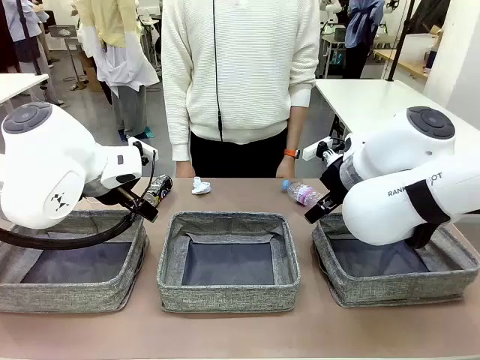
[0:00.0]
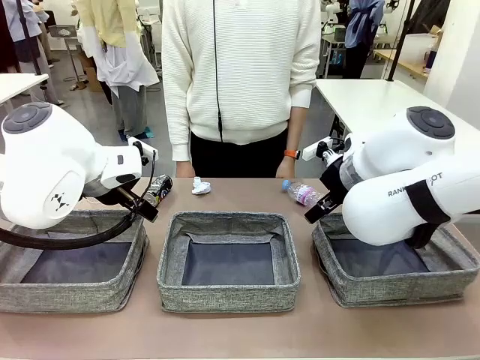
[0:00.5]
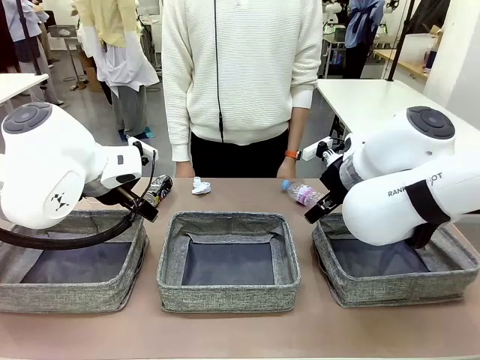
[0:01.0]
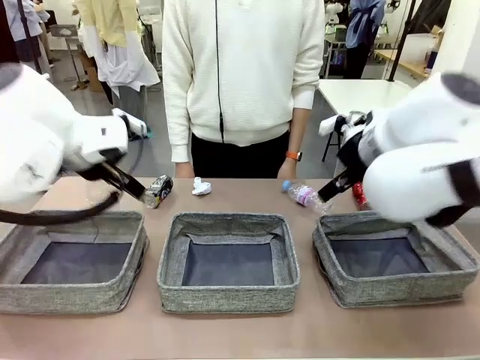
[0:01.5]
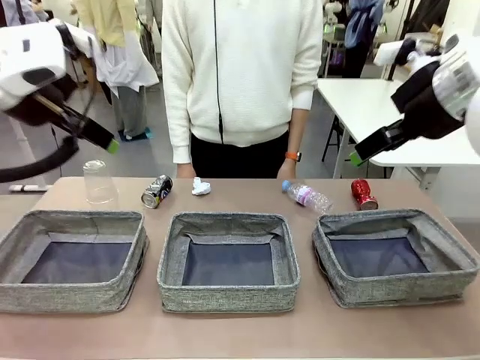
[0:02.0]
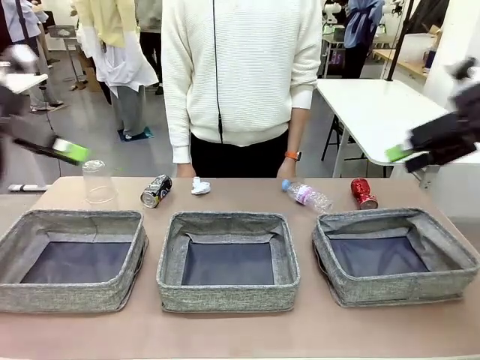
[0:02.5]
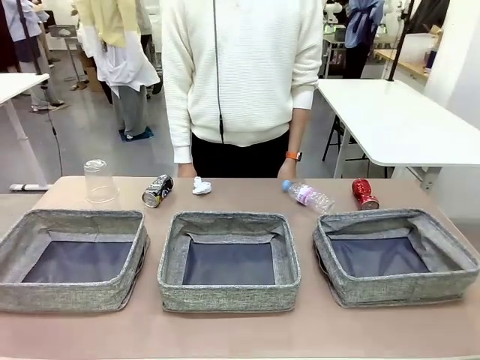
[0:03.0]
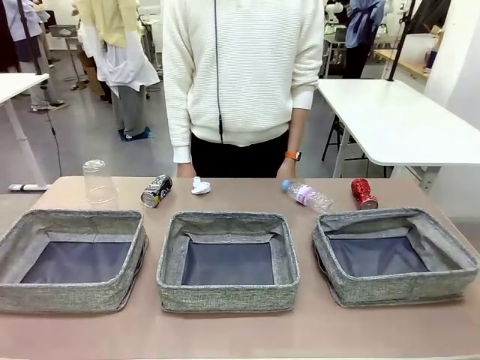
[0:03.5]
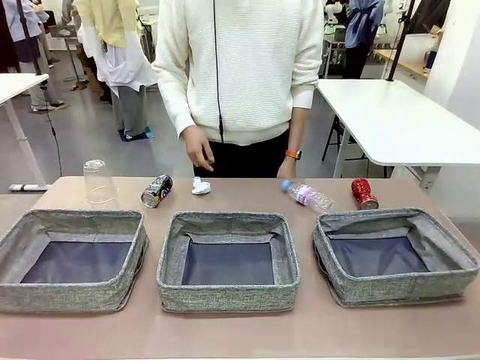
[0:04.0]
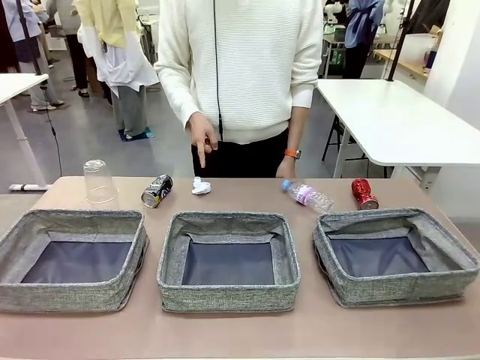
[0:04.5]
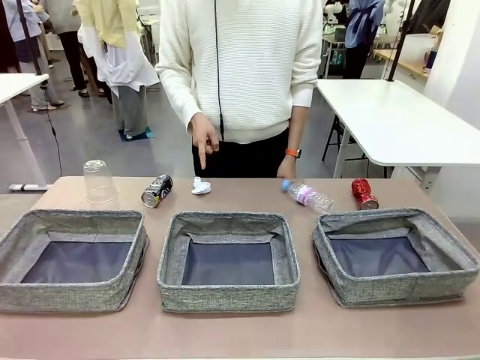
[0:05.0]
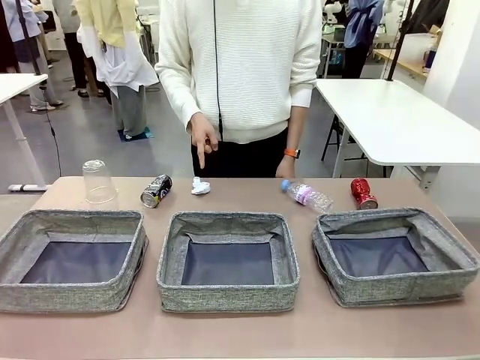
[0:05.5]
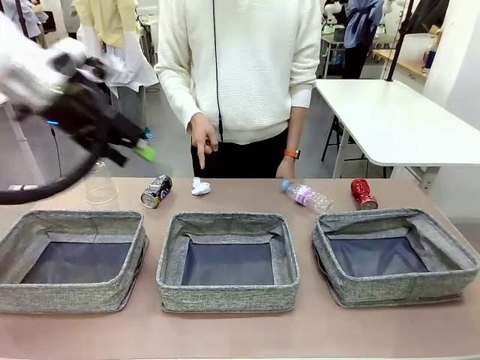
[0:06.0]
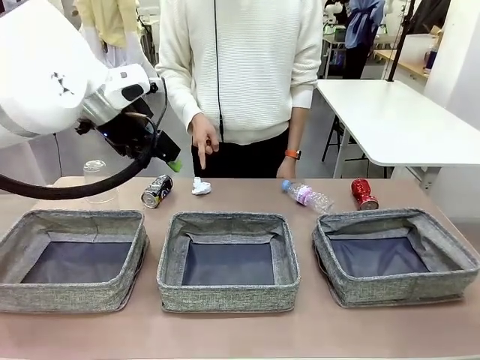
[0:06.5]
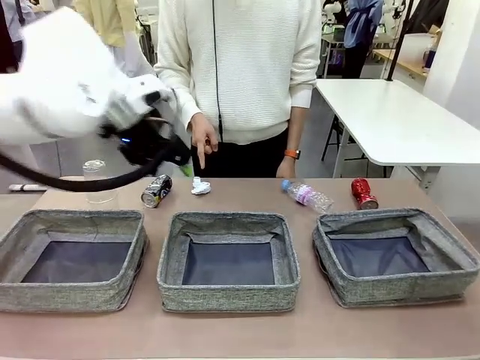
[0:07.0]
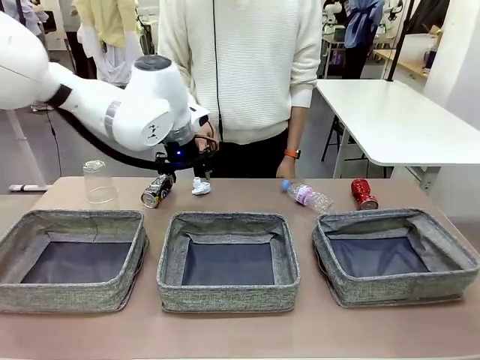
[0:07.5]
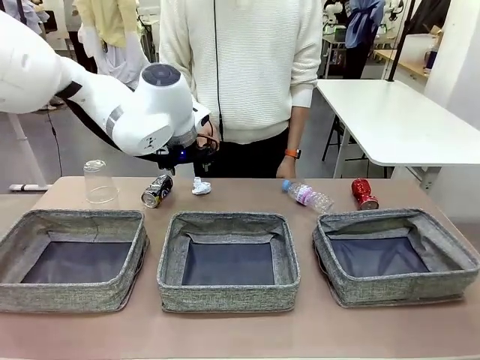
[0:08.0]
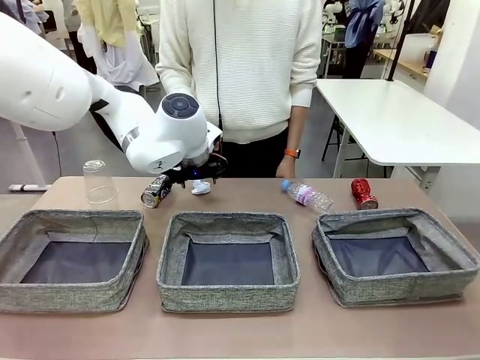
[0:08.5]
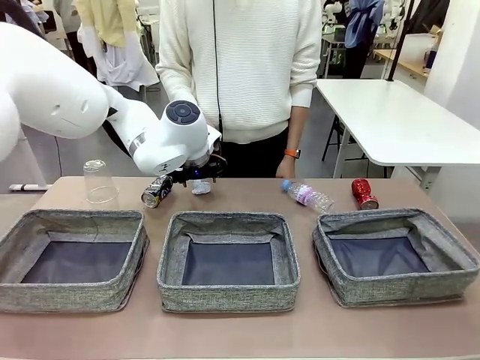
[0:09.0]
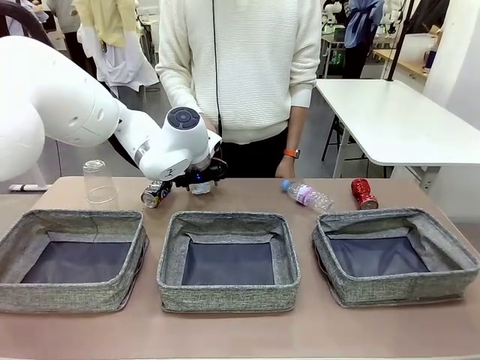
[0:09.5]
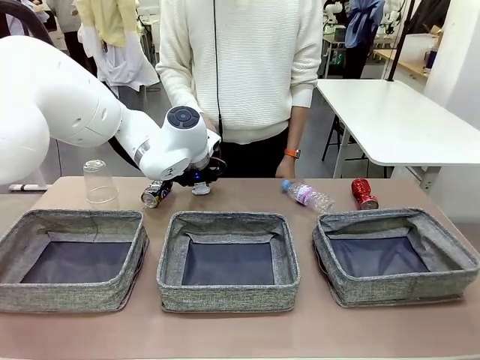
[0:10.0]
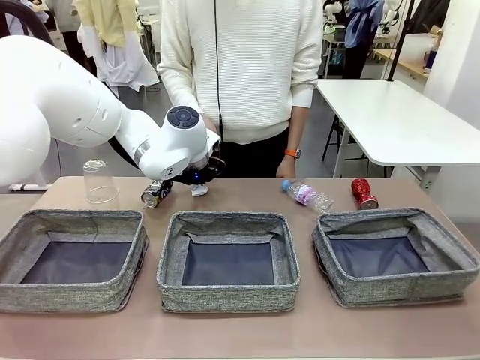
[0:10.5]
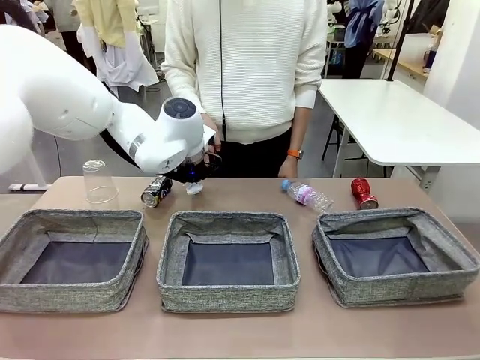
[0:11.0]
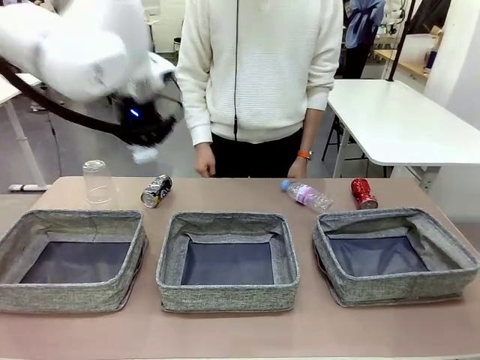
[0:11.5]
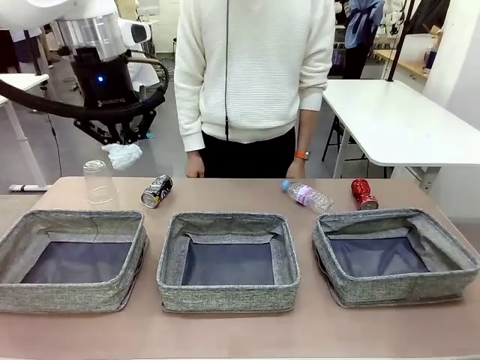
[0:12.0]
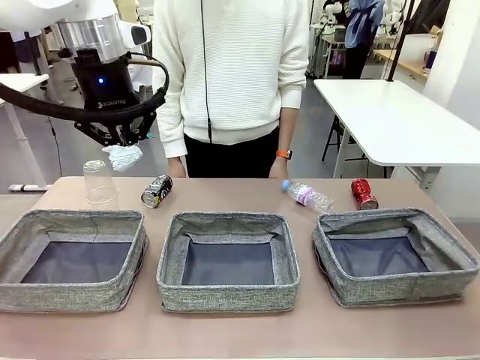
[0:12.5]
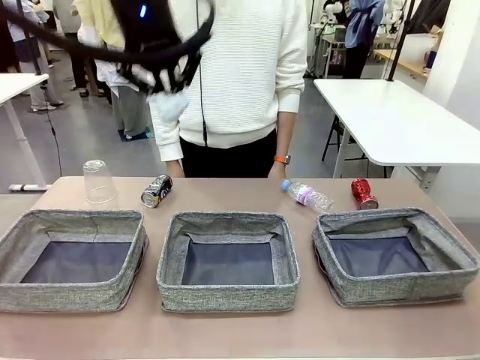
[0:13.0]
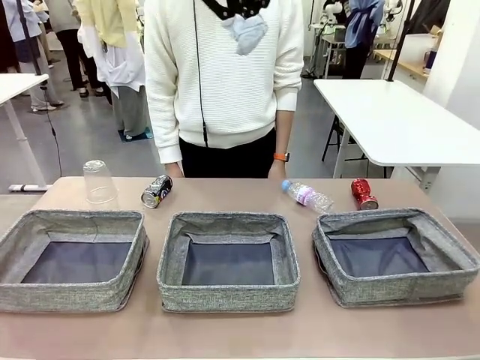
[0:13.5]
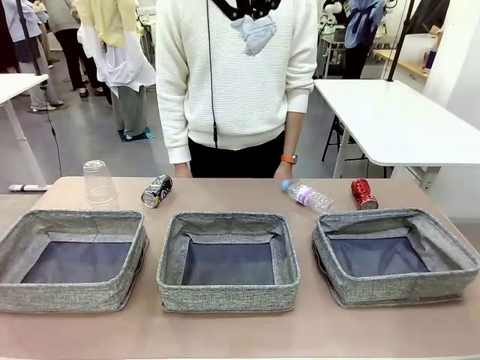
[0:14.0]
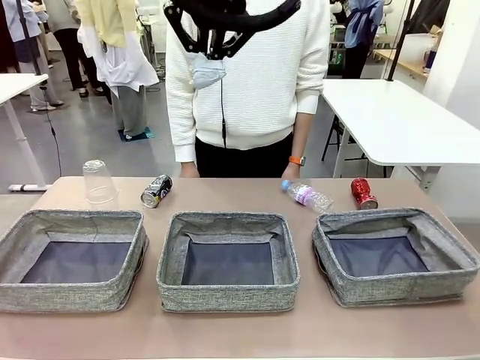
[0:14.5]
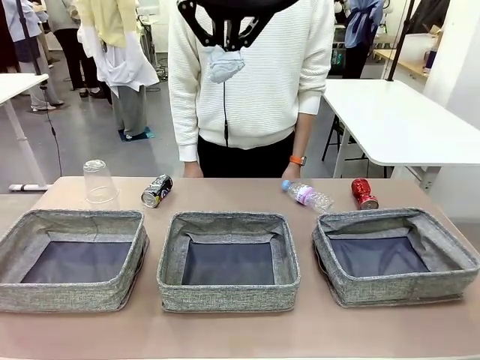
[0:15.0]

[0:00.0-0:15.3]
Task: Sort the waste into the appropriate baskets.
Robot: Pick up the waste item pointed out by the person.
Person: Points to one piece of trash on the table.

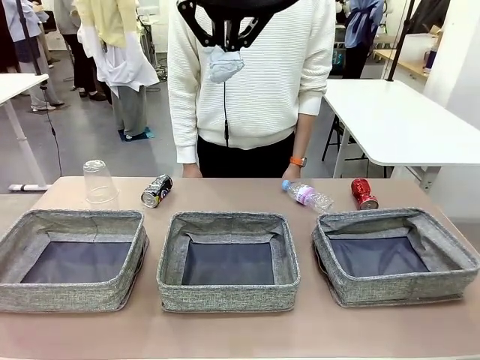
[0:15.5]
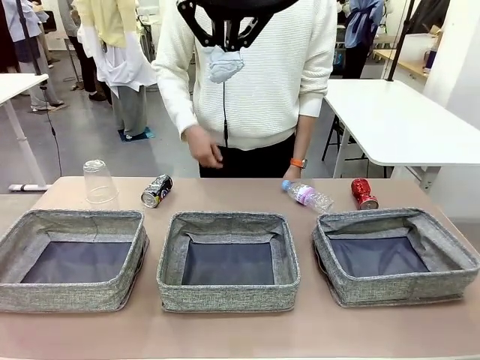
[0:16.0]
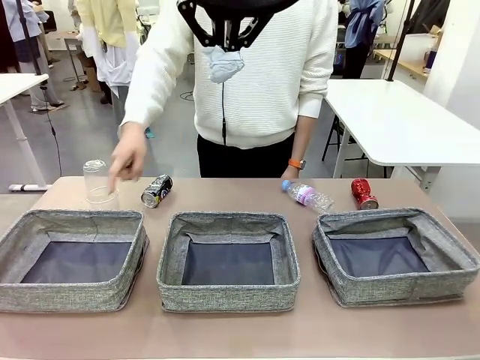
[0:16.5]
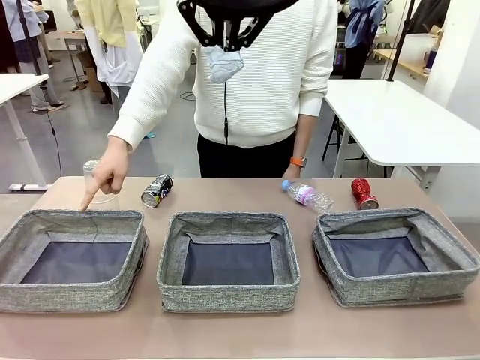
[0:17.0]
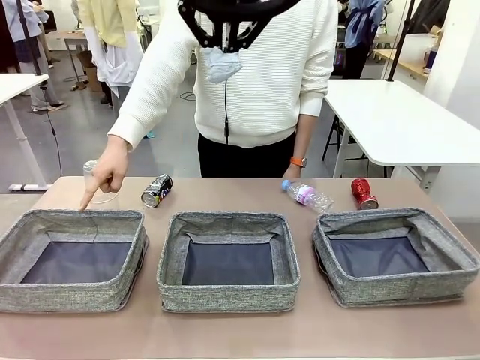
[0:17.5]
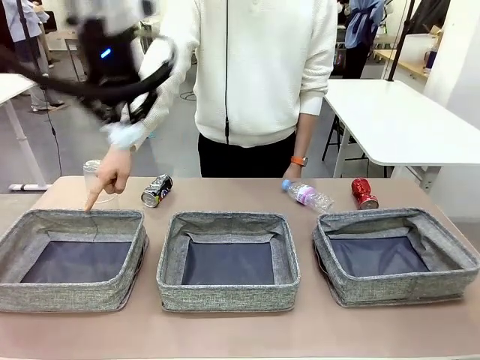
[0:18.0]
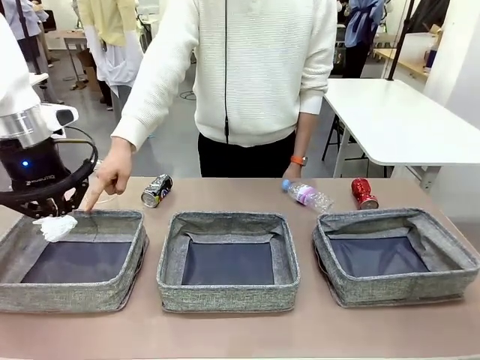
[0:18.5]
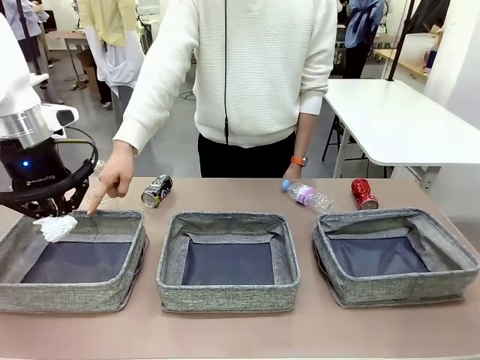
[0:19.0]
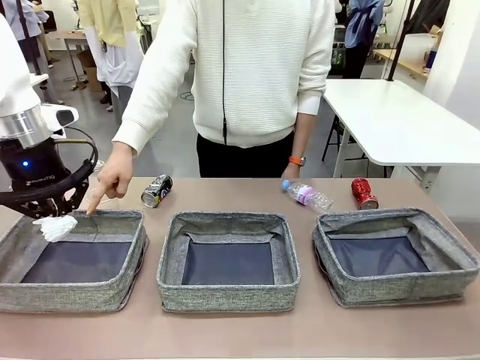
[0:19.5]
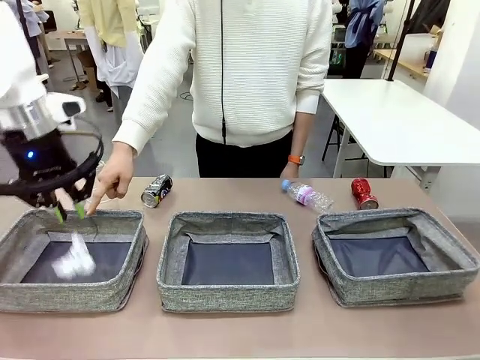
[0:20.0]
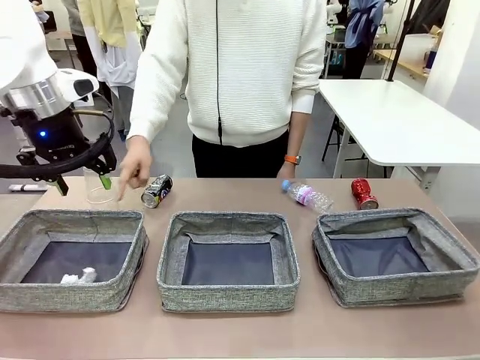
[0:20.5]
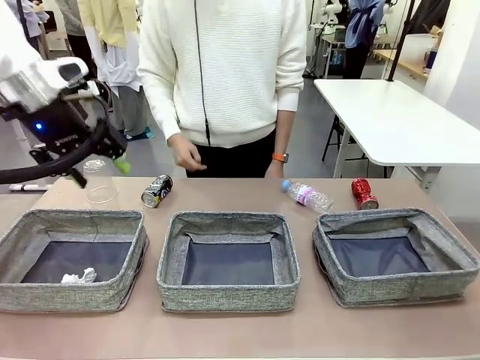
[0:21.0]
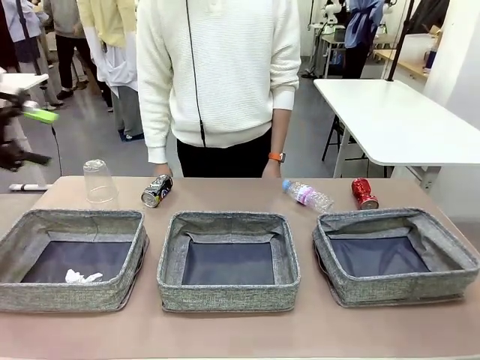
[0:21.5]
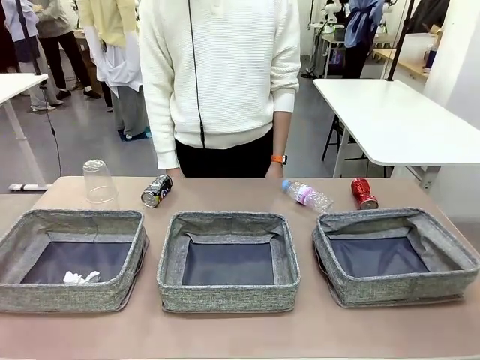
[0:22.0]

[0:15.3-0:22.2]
Robot: Place the picked waste into the Fabric basket indicated by the person.
Person: Instructs the robot to place the picked-up trash into the appropriate organizing basket.
